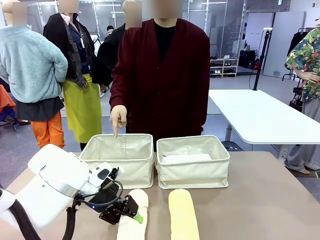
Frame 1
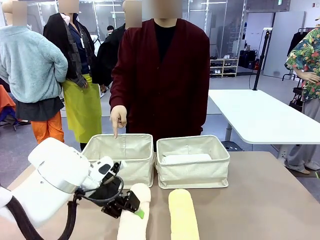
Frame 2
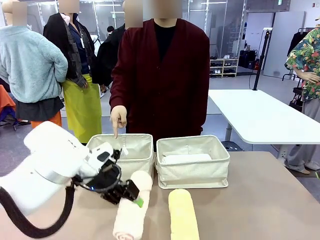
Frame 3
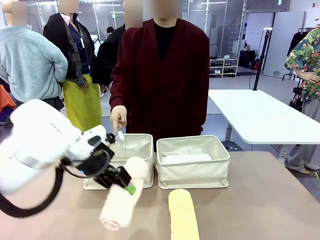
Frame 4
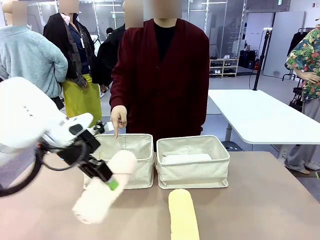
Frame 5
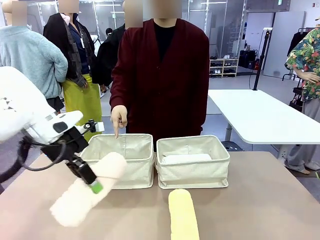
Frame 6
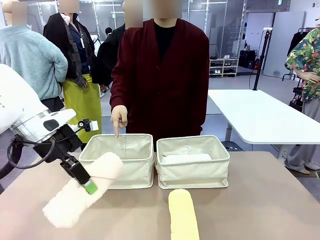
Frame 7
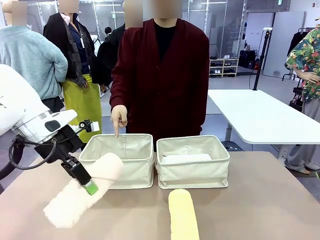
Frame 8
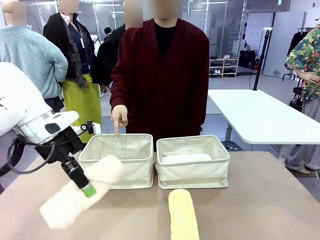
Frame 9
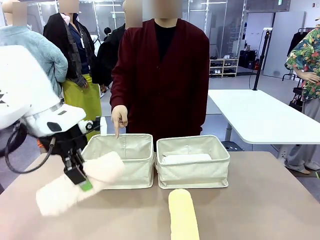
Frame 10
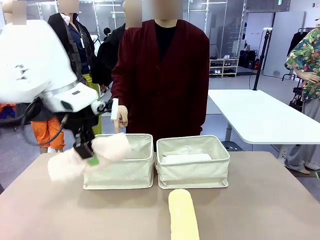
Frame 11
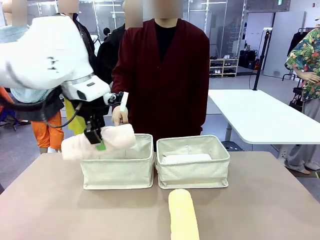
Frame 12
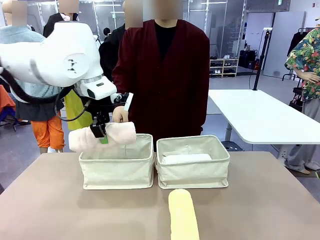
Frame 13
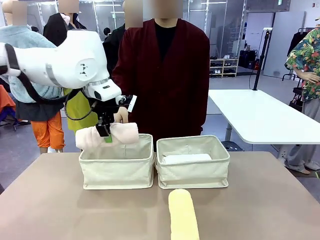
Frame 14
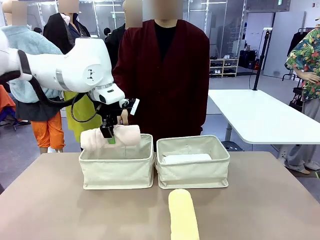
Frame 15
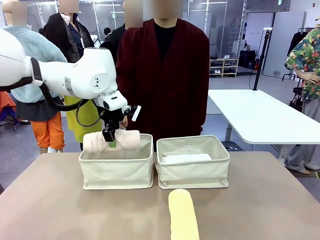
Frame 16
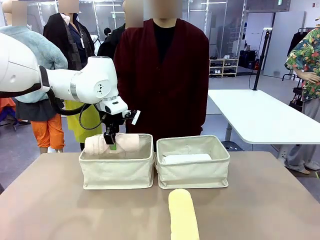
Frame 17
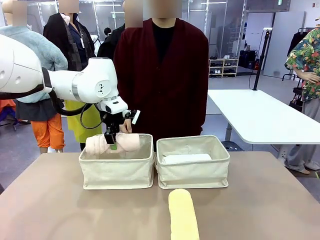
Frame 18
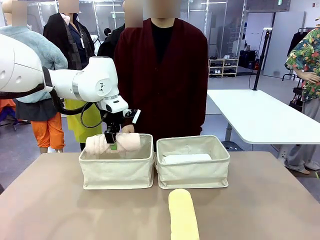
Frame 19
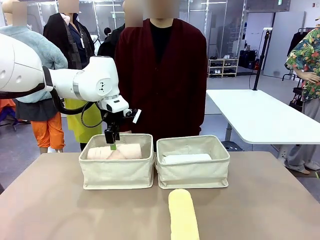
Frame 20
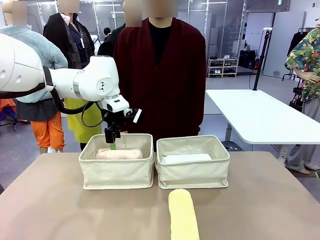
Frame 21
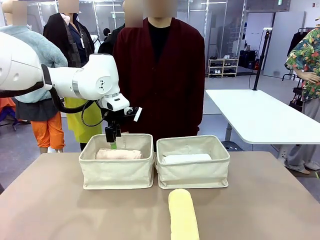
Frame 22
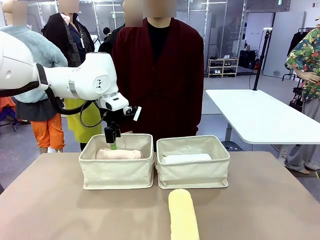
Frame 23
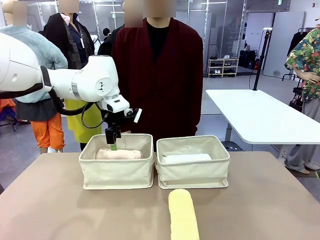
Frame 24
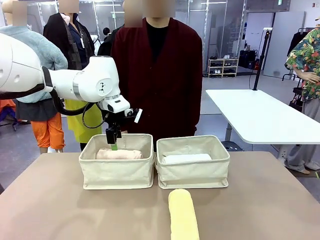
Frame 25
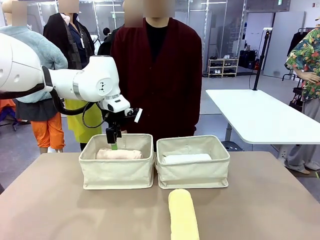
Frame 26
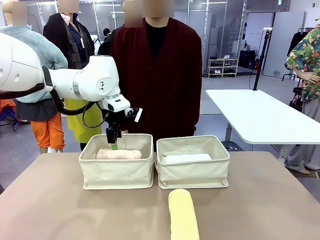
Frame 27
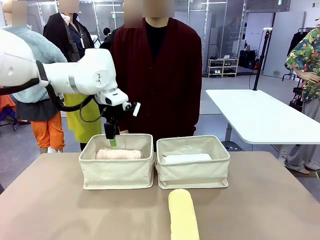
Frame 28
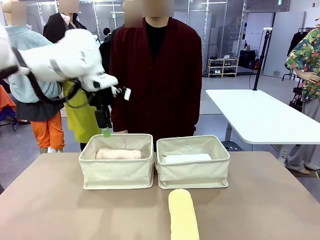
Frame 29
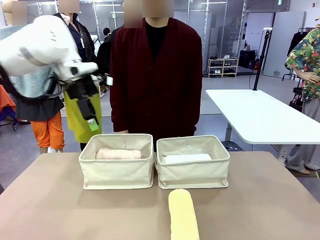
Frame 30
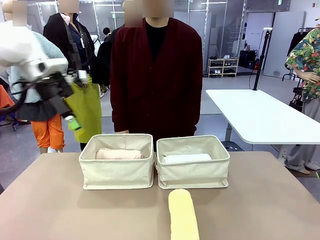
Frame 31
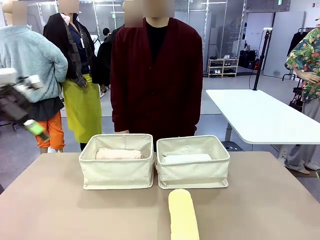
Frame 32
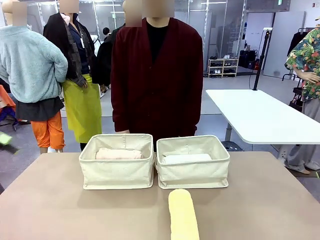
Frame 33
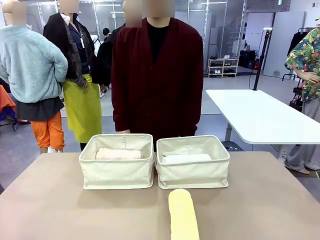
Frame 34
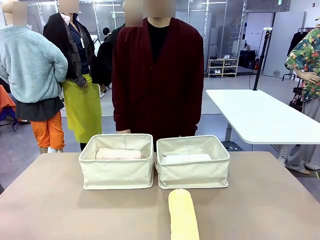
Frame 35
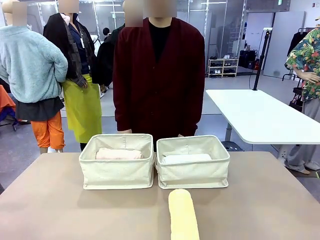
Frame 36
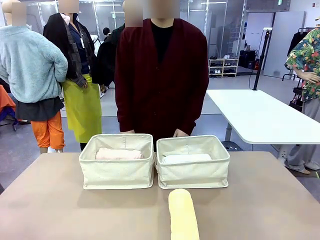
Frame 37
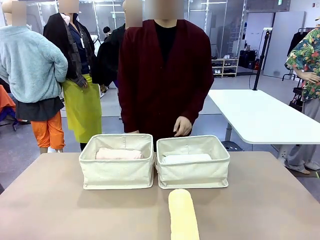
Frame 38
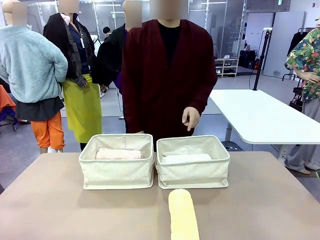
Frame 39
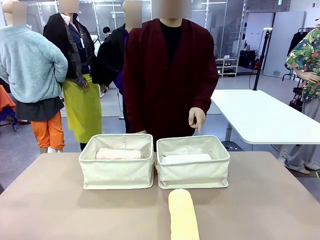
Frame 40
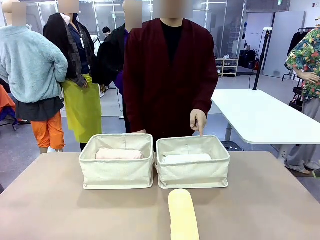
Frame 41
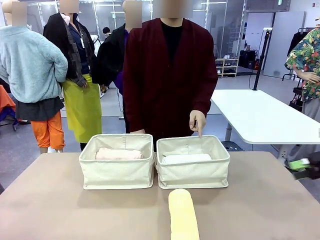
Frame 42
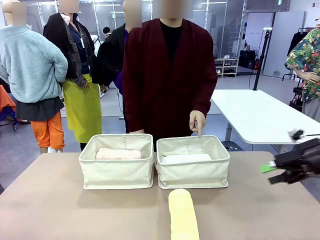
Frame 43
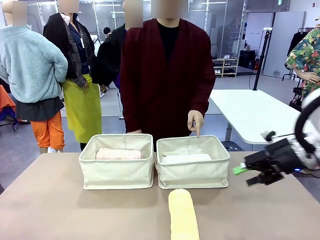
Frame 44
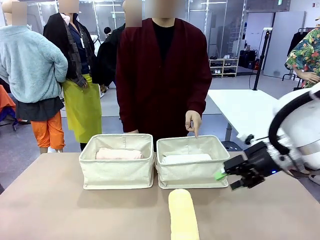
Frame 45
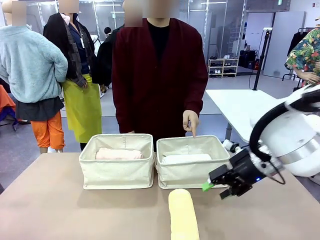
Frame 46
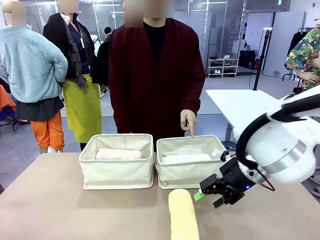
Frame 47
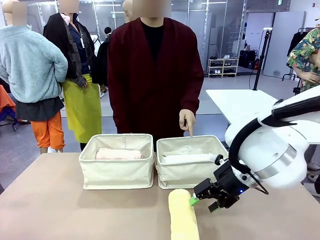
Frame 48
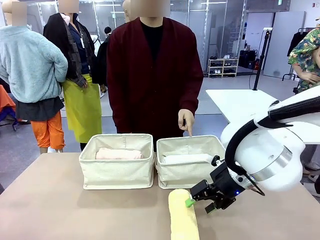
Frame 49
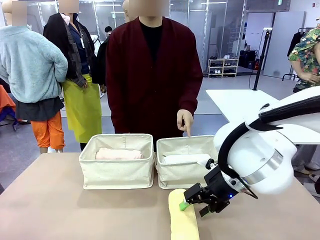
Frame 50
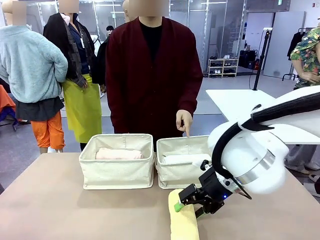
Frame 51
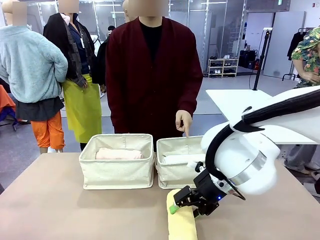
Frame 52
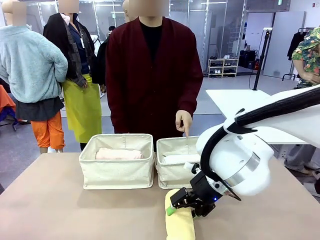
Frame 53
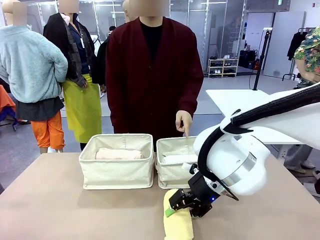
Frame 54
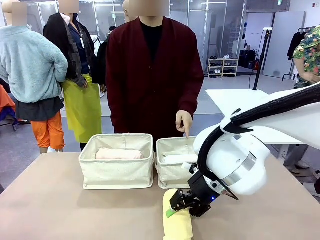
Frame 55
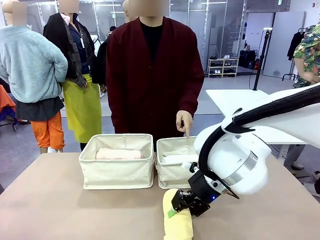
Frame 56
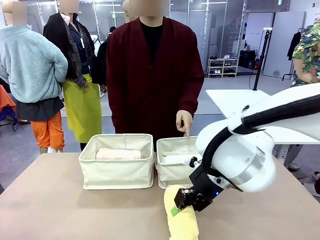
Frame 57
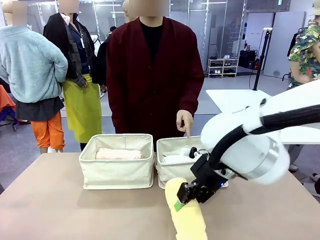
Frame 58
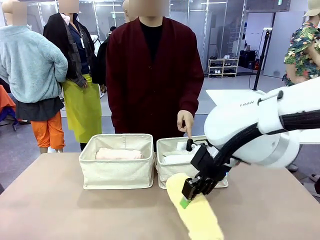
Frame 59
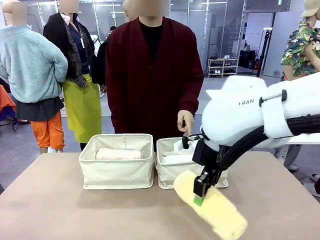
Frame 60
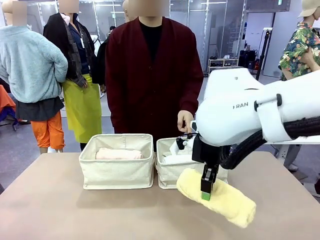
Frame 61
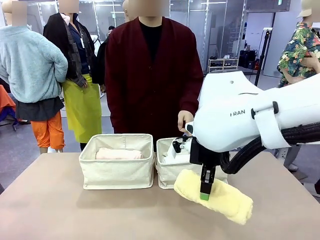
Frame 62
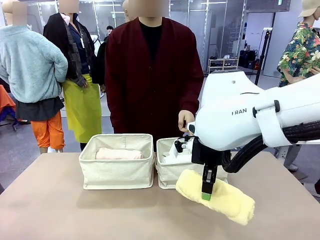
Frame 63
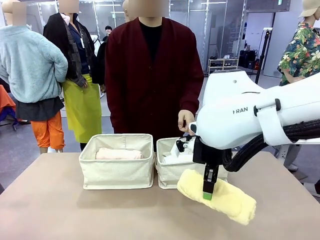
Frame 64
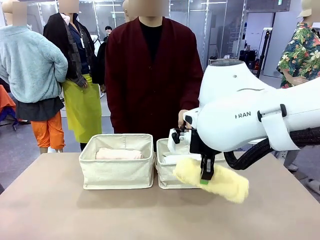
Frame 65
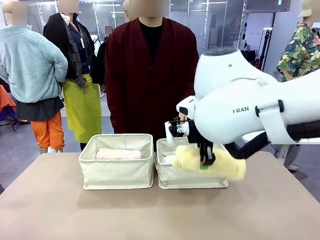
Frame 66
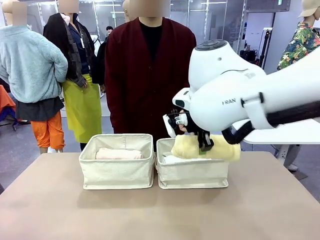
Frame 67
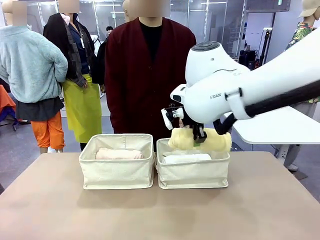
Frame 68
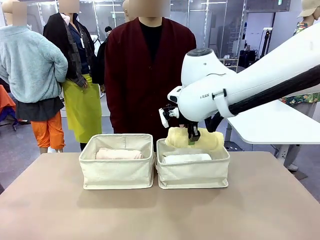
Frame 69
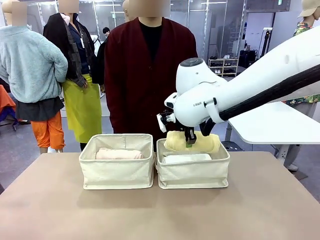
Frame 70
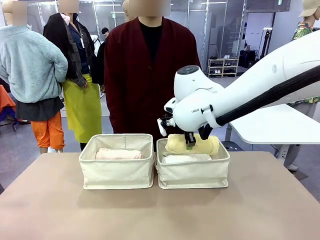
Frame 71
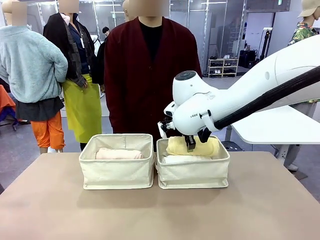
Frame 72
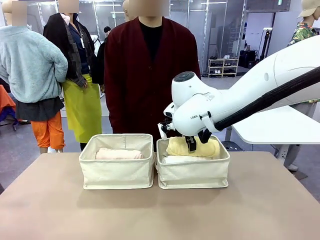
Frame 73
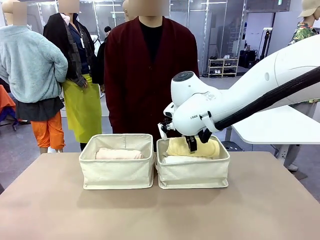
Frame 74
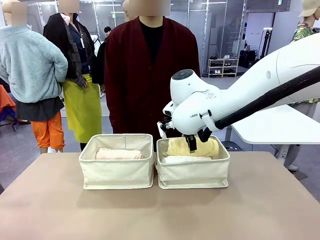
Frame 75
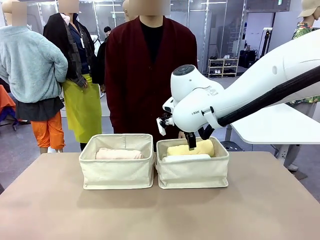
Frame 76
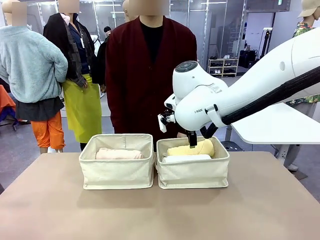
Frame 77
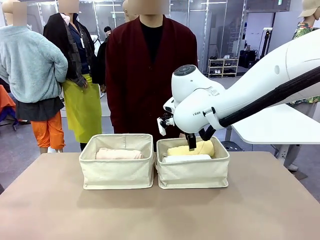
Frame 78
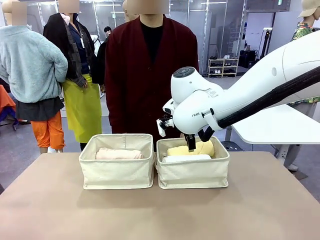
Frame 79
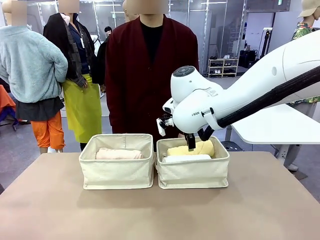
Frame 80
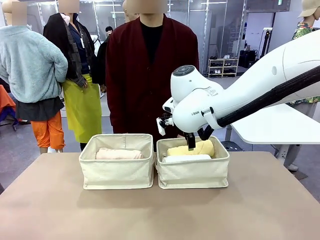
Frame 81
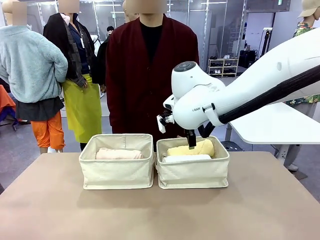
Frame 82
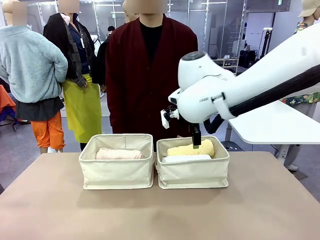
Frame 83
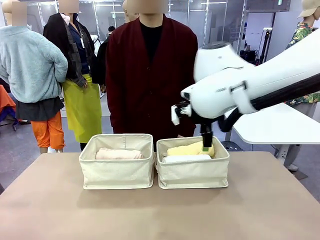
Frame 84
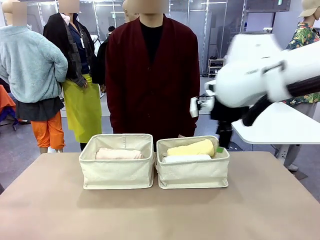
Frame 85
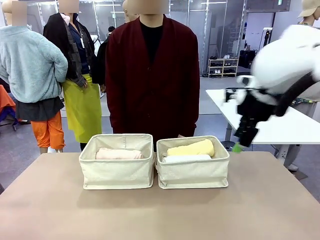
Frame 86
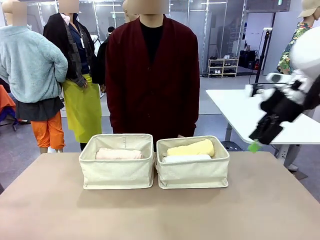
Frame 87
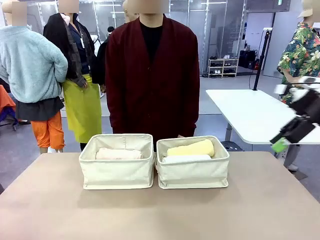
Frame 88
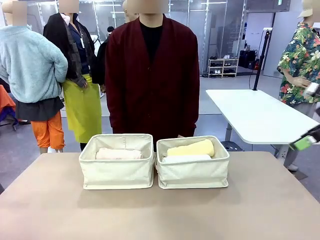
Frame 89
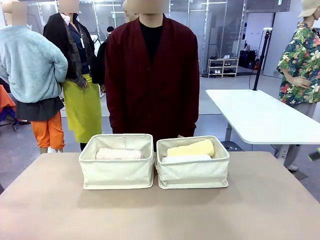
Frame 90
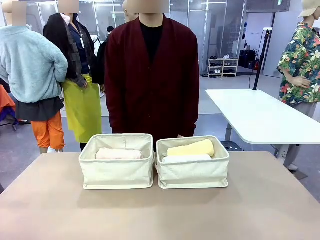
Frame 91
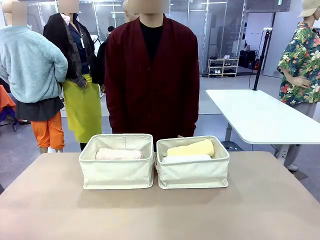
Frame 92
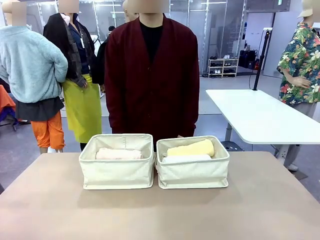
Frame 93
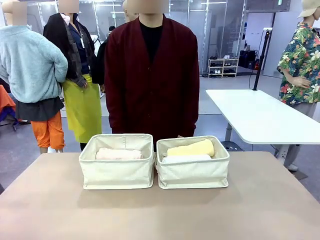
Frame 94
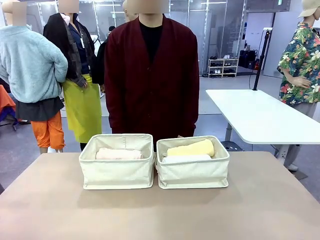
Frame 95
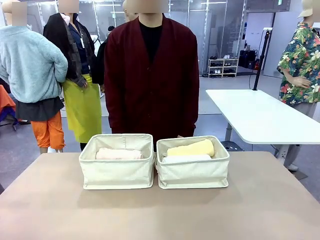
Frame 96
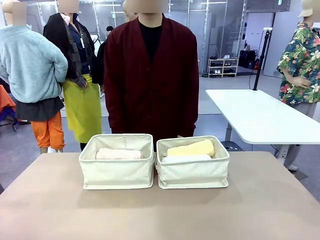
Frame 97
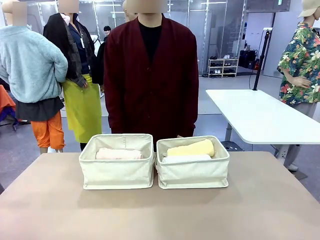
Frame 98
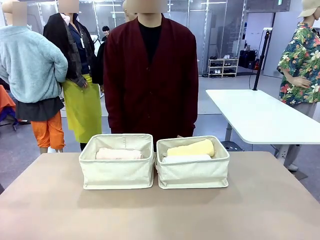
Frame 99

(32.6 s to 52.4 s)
Task: Divide the towels into two baskets.
Robot: Pick up one hotel-folded towel from the bottom of the table and place it in the Fabric basket indicated by the person.
